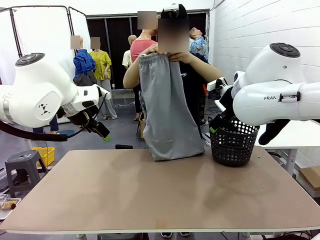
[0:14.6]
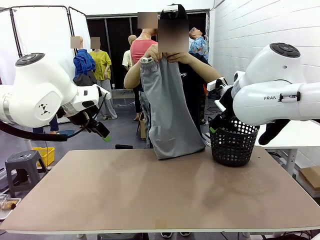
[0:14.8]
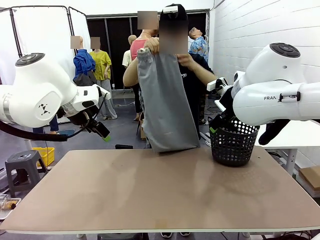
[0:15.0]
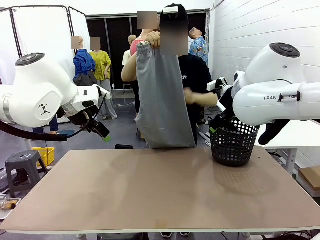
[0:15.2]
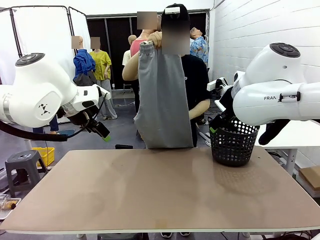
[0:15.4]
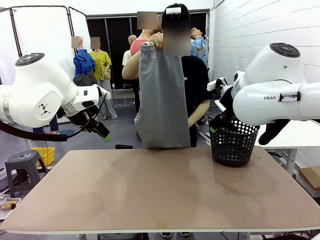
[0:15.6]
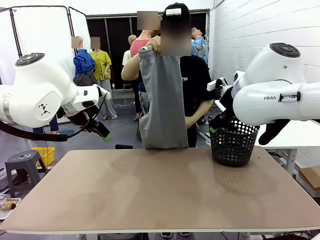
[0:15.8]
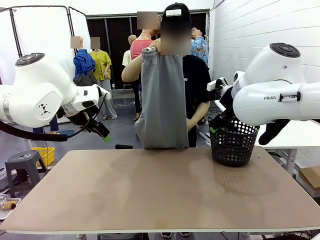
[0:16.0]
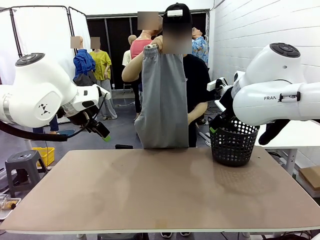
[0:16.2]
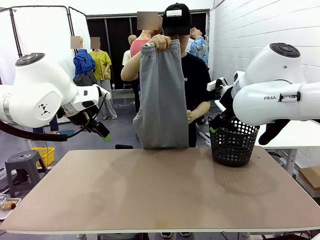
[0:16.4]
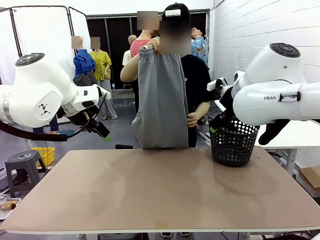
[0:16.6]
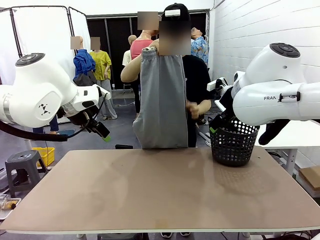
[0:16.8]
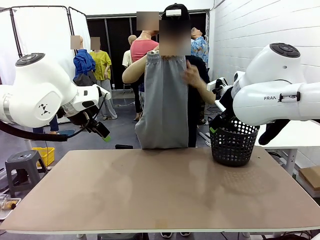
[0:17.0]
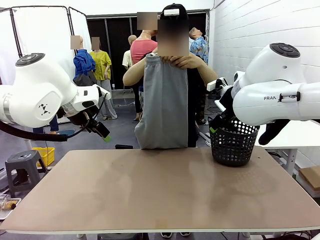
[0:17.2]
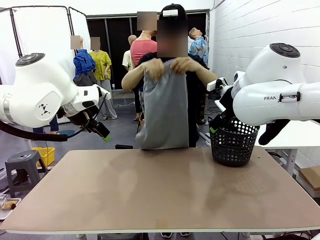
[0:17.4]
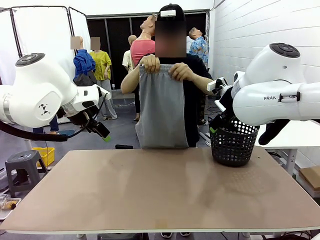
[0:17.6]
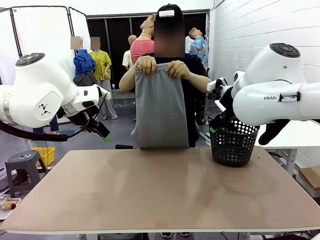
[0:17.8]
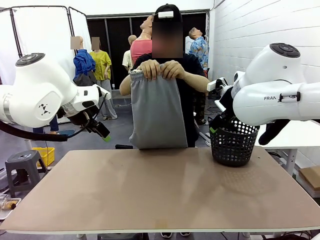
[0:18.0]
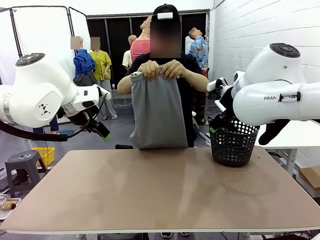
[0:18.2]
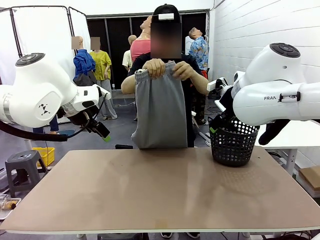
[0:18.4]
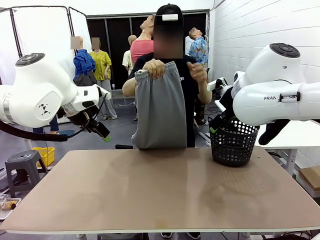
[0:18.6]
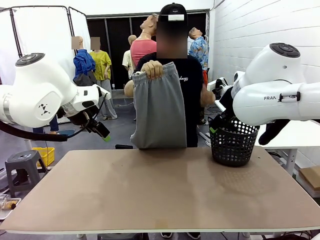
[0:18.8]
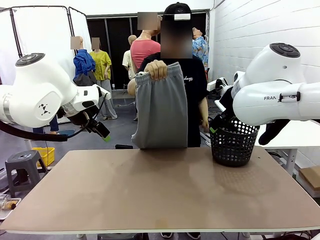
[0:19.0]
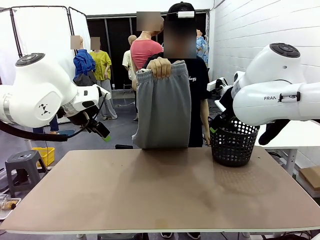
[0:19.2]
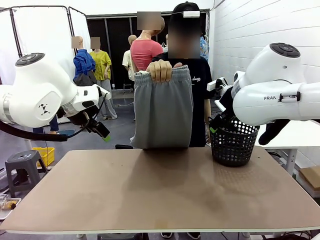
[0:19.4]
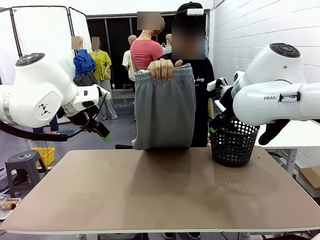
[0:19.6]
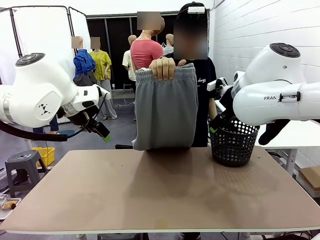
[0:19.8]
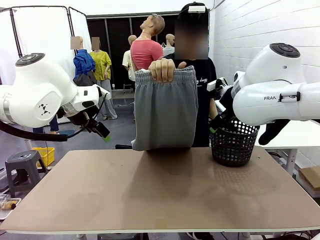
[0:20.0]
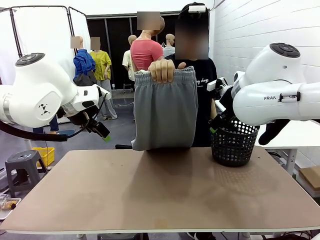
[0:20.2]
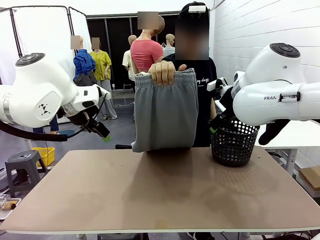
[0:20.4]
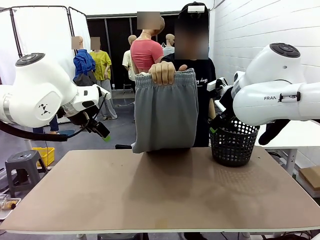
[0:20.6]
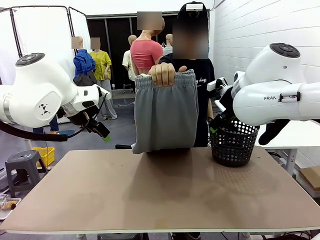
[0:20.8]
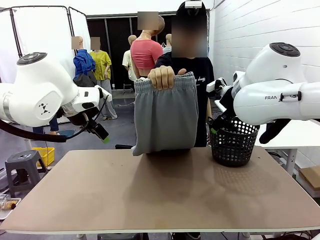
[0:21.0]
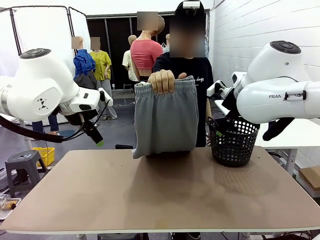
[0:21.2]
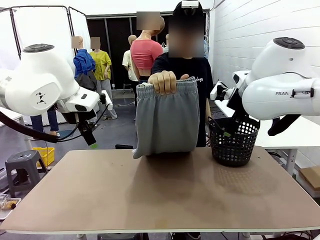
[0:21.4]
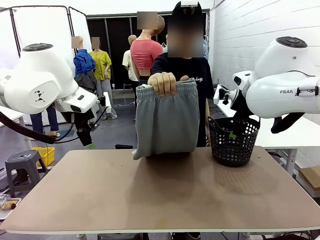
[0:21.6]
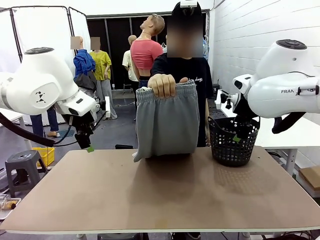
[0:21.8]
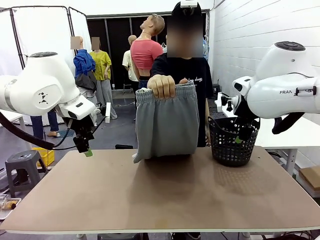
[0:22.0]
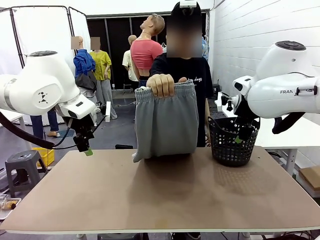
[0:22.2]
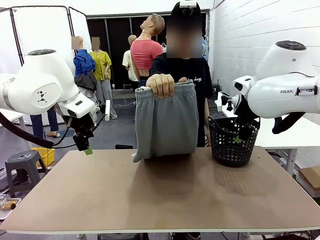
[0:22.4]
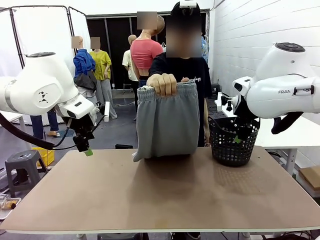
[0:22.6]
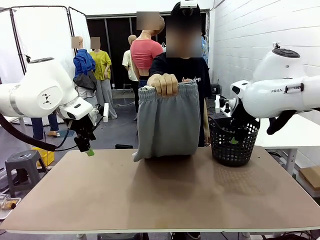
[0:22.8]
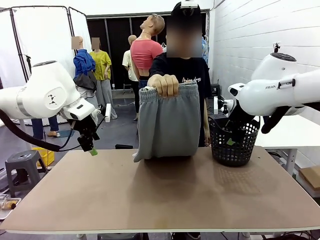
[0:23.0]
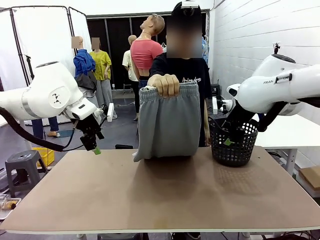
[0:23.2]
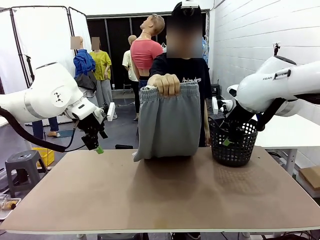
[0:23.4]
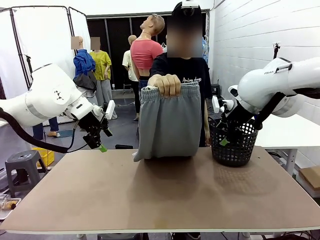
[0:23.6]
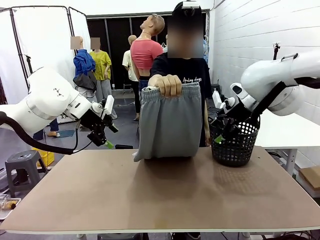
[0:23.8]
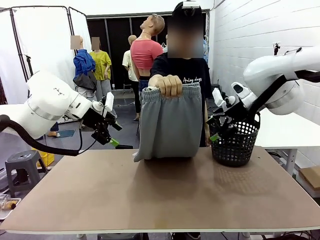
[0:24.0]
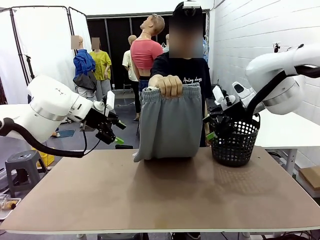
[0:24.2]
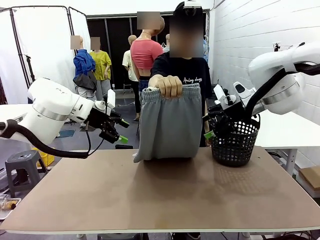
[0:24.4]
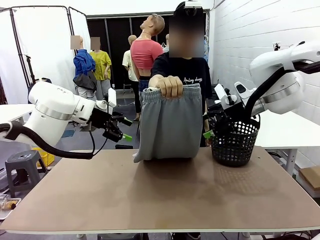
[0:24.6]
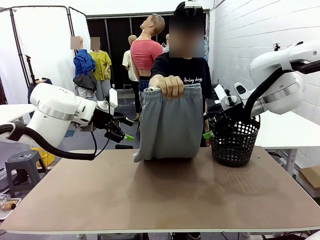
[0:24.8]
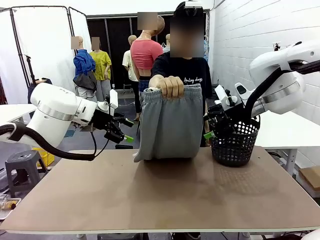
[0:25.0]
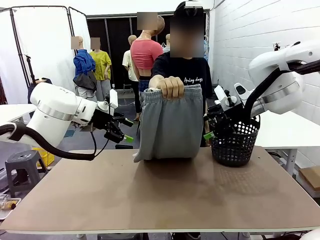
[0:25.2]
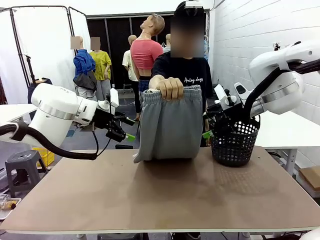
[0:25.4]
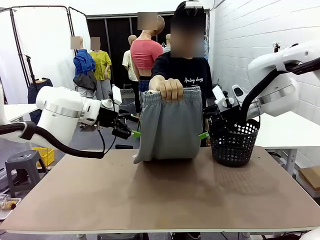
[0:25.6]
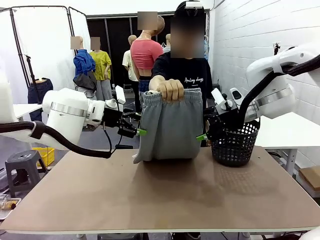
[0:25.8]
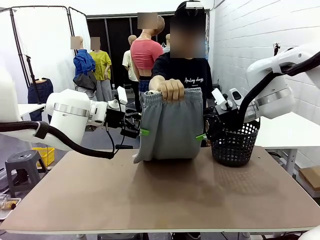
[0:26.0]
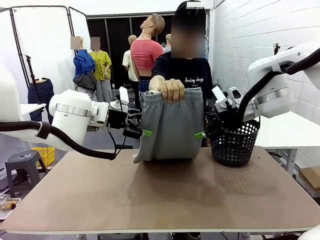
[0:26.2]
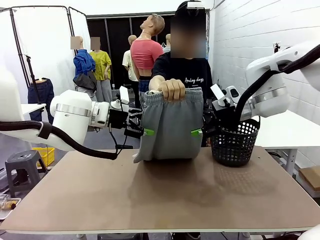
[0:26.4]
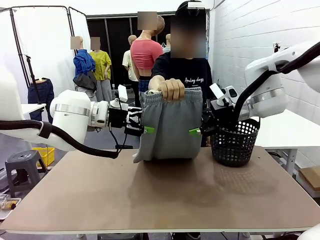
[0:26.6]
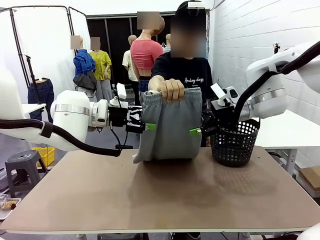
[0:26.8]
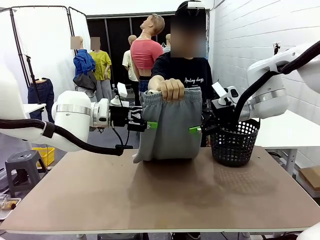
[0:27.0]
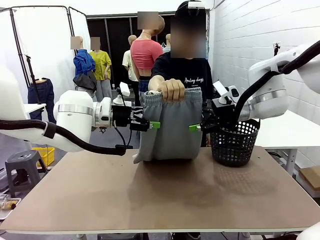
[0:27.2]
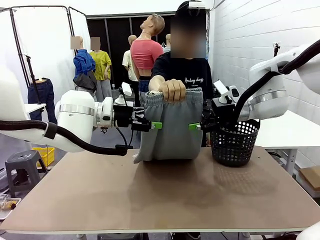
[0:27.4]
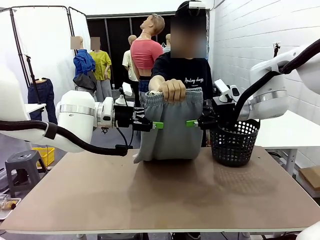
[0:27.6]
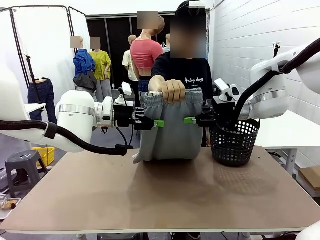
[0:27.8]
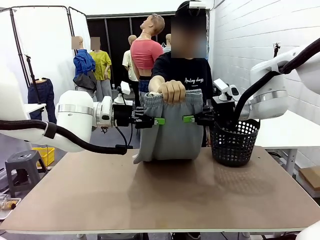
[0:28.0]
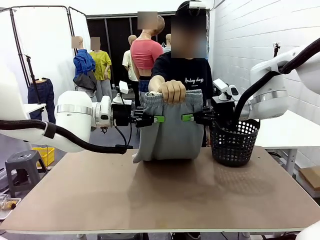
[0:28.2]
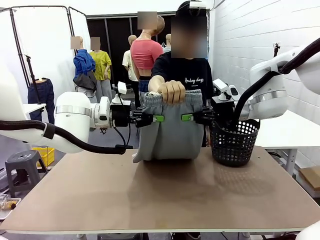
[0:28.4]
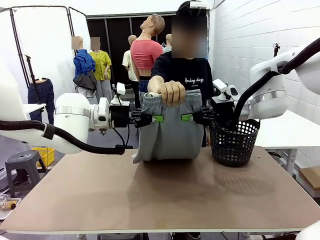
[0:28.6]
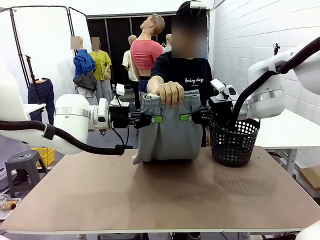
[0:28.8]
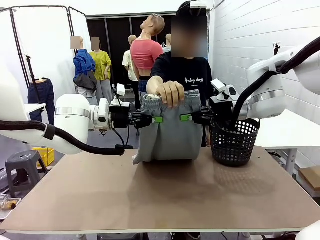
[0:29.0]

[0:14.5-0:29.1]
Task: Fold the training pants.
Robot: Grab both ends of the Training pants handed by a person.

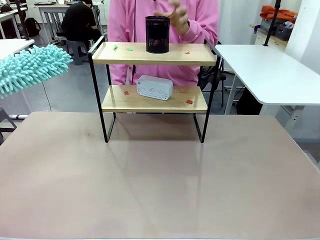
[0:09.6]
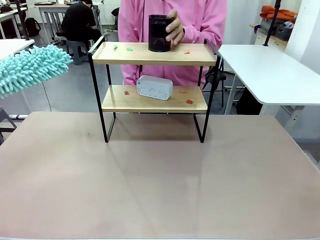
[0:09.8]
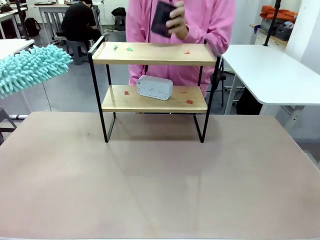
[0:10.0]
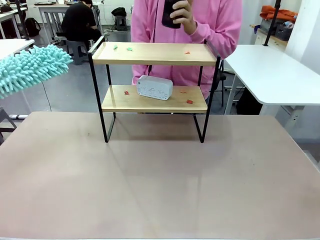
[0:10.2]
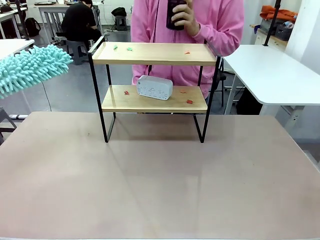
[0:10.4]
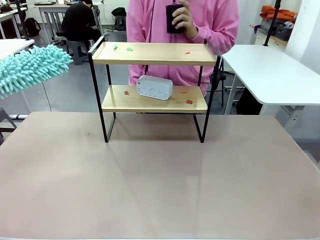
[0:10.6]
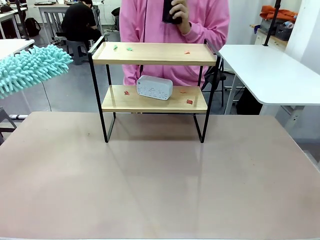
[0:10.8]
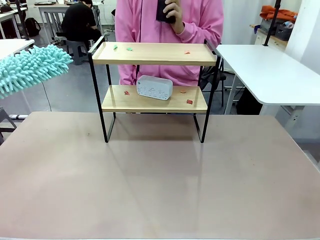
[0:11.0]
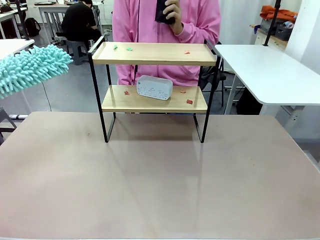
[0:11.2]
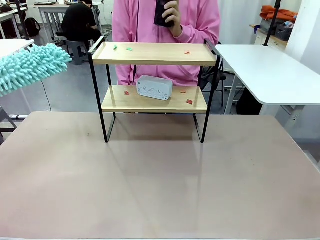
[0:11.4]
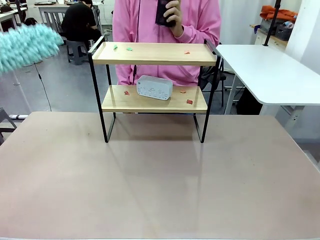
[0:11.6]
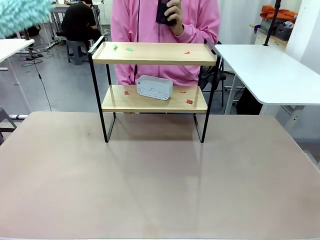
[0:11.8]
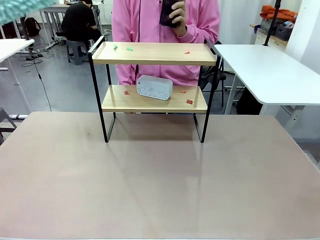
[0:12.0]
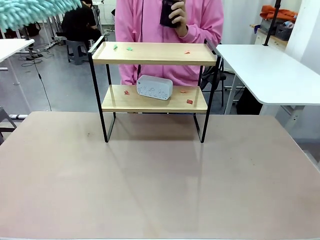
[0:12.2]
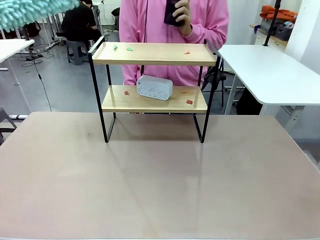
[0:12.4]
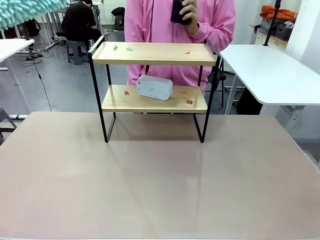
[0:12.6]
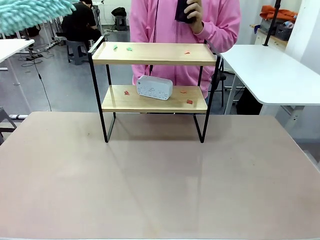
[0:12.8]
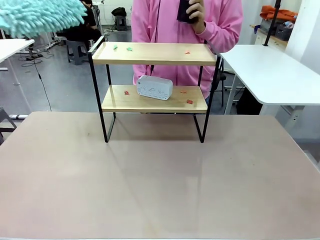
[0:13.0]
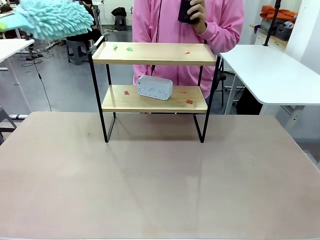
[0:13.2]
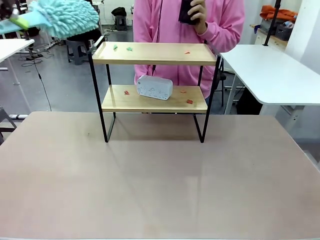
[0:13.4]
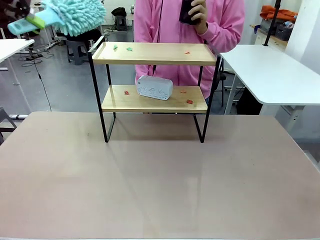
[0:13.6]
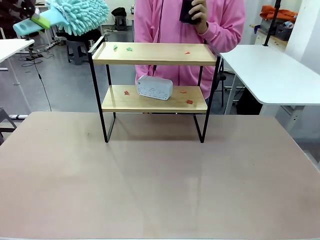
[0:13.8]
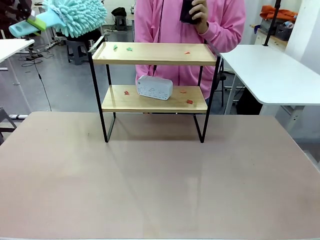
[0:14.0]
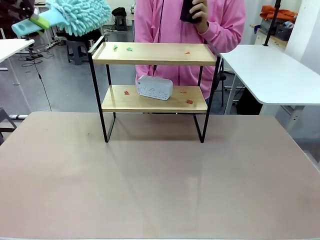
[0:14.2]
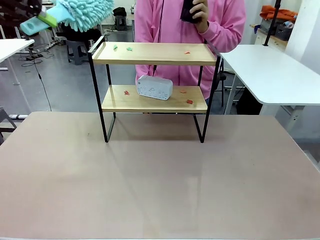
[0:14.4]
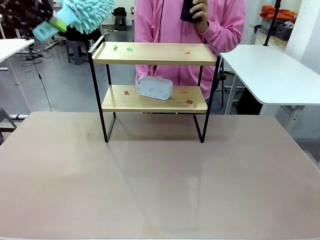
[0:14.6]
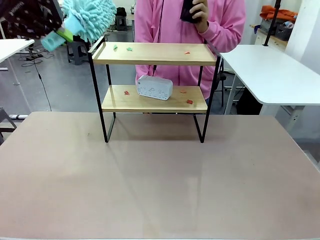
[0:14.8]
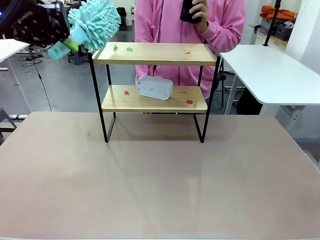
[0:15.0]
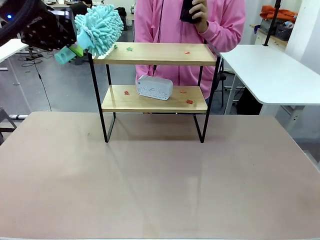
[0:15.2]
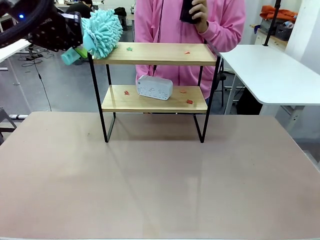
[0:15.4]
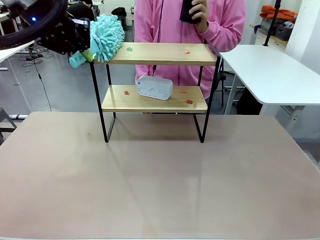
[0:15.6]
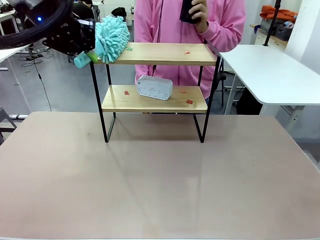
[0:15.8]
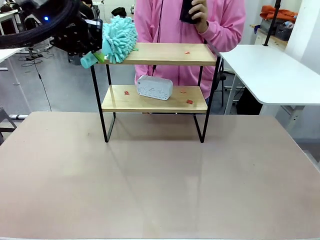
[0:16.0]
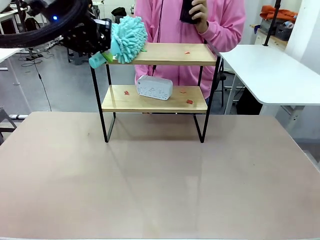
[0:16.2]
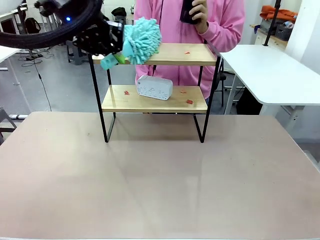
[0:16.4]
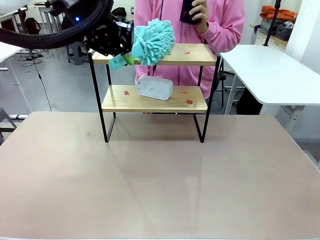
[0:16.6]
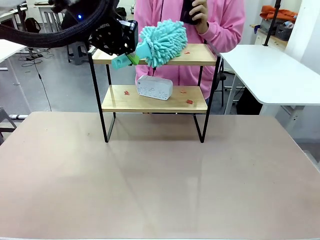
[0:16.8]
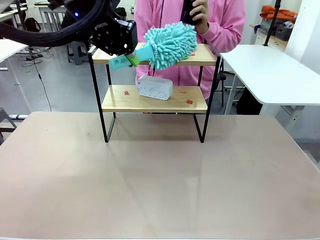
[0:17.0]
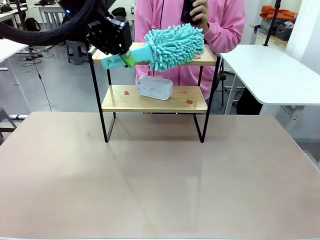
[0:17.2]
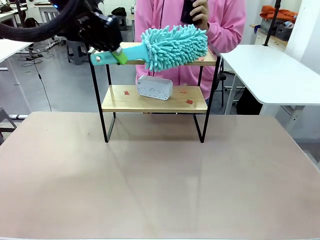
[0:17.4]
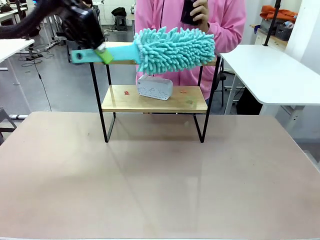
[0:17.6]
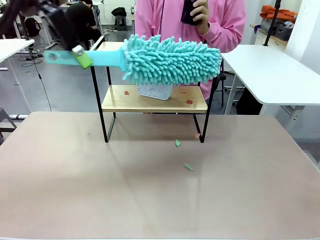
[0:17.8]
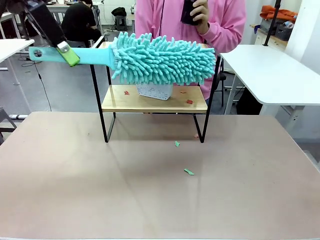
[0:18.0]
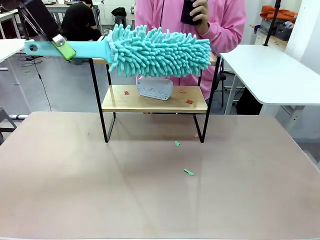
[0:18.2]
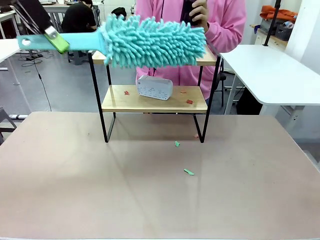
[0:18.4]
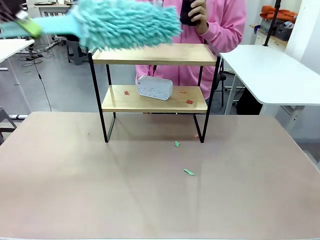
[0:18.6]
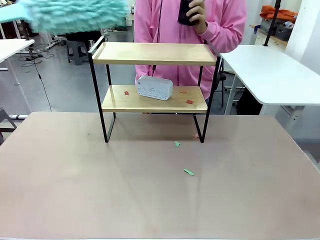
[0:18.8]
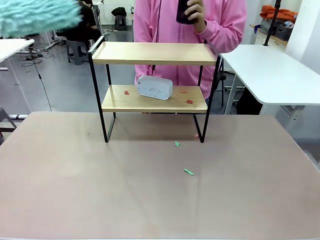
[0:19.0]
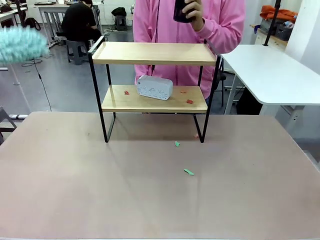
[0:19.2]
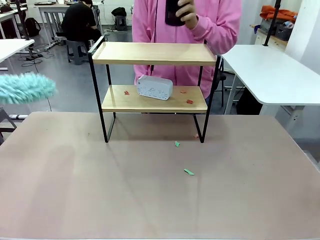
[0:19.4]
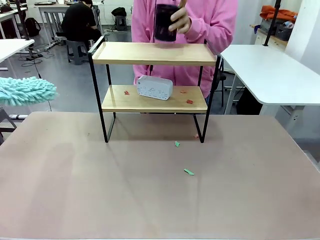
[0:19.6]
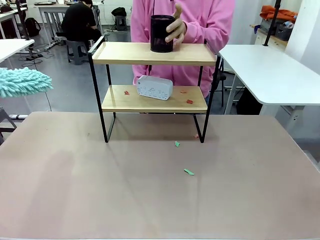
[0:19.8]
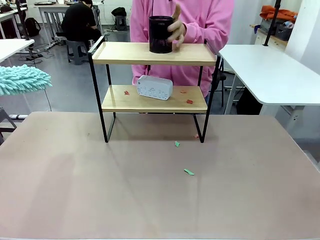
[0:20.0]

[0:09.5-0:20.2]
Task: Clean the shelf.
Robot: Clean the specific tier of the Shelf with the Duster once objects are removed.
Person: Lift the objects on a randomly selected tier of the Shelf. Once the robot finishes cleaning, lift the objects on the remaining tiers of the Shelf.
